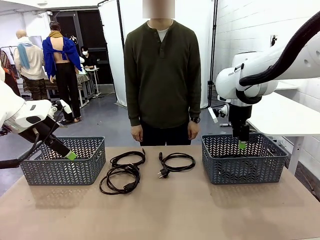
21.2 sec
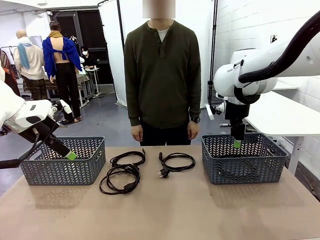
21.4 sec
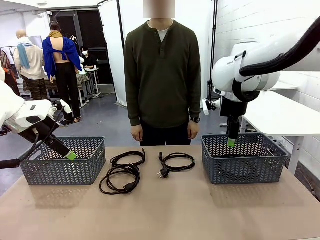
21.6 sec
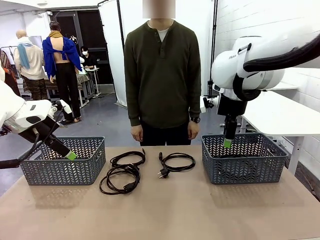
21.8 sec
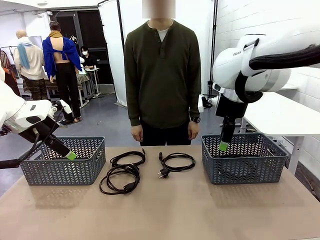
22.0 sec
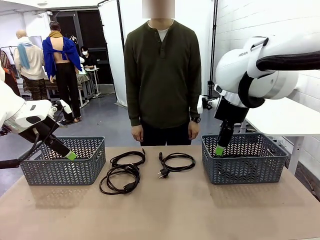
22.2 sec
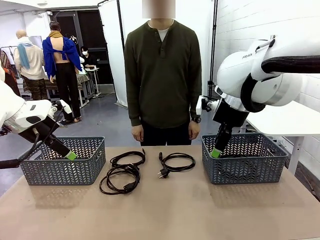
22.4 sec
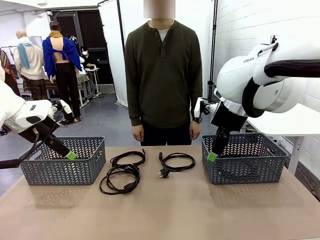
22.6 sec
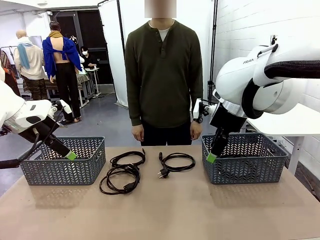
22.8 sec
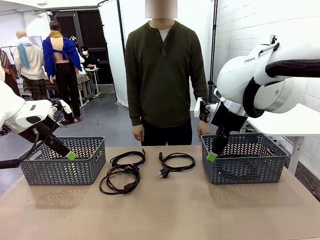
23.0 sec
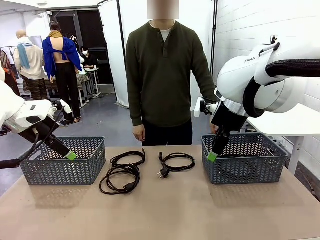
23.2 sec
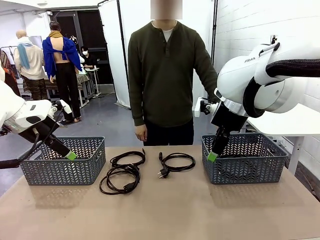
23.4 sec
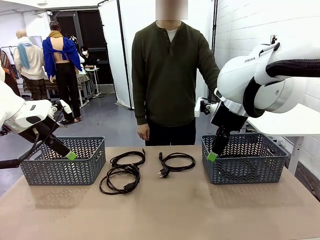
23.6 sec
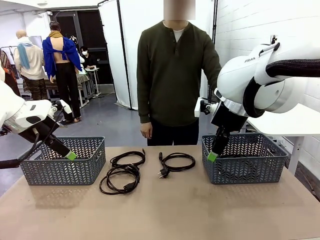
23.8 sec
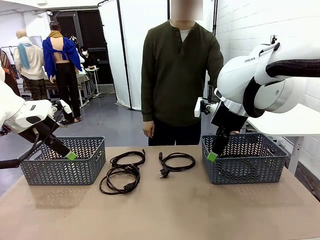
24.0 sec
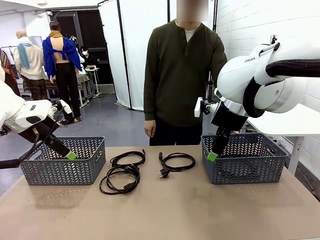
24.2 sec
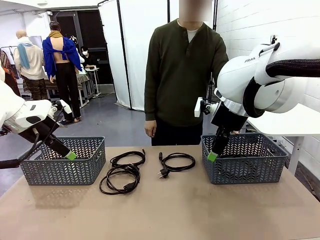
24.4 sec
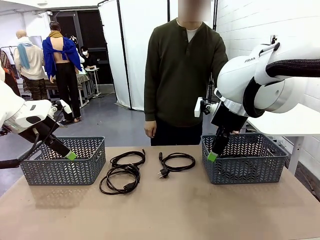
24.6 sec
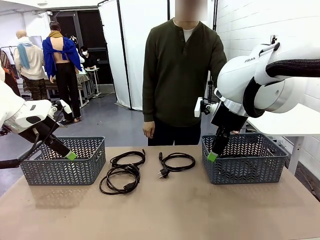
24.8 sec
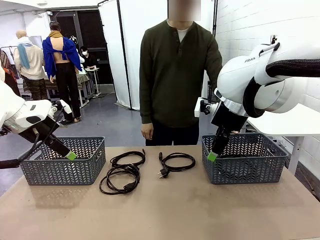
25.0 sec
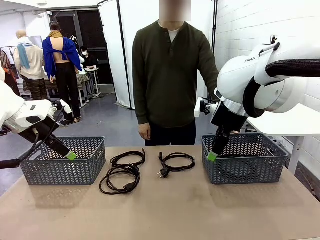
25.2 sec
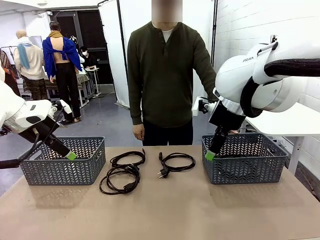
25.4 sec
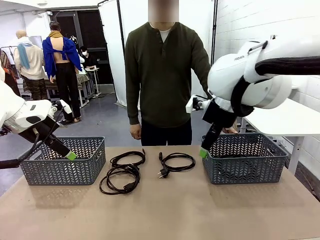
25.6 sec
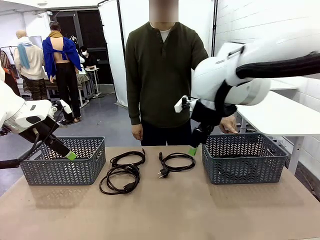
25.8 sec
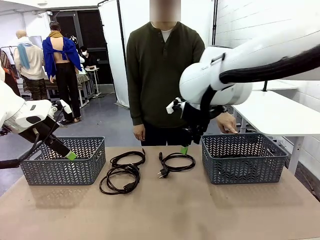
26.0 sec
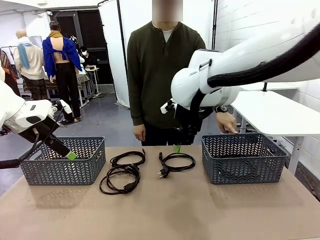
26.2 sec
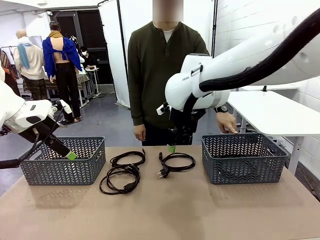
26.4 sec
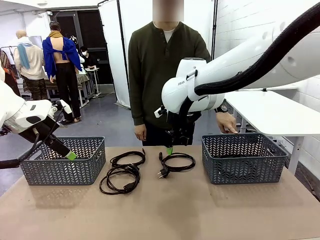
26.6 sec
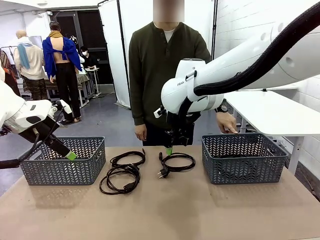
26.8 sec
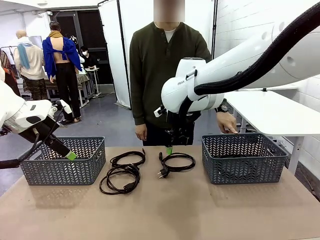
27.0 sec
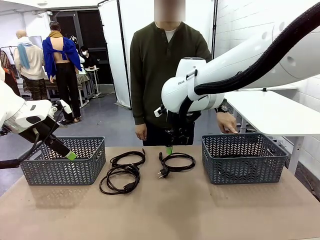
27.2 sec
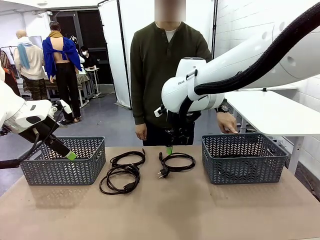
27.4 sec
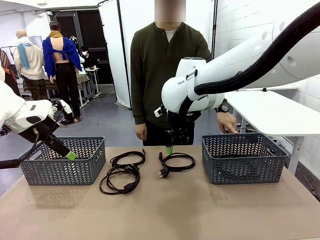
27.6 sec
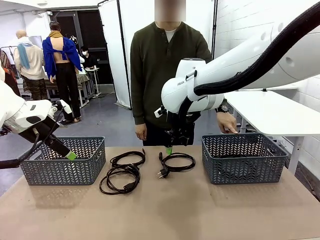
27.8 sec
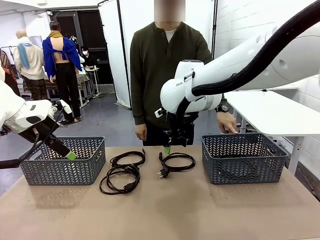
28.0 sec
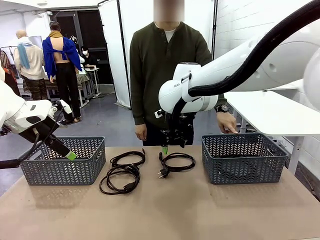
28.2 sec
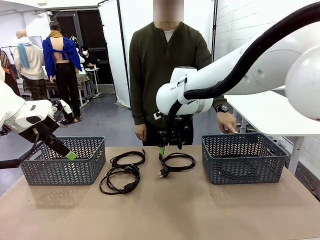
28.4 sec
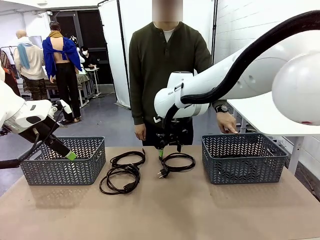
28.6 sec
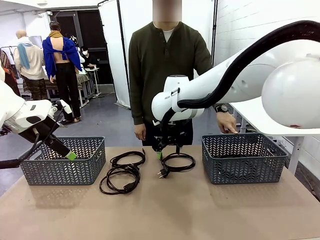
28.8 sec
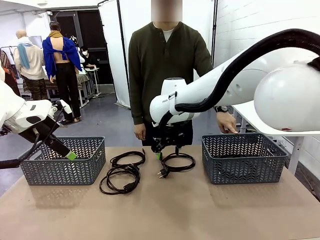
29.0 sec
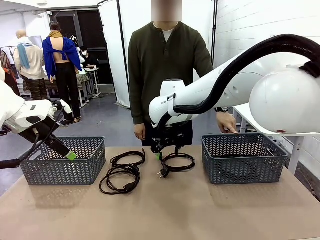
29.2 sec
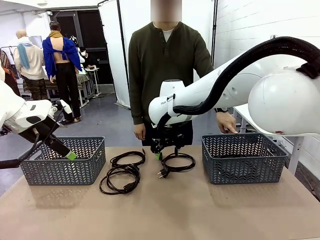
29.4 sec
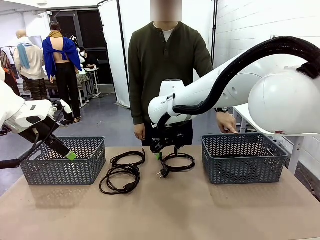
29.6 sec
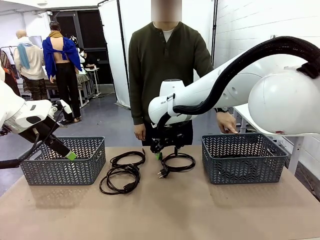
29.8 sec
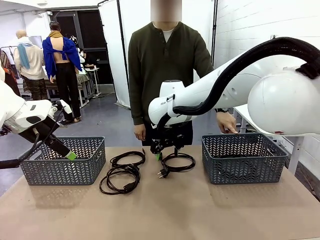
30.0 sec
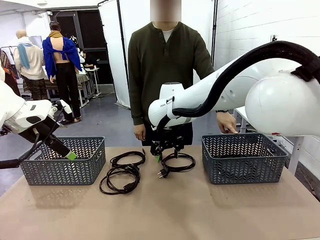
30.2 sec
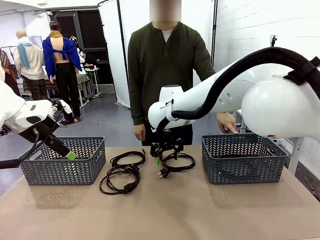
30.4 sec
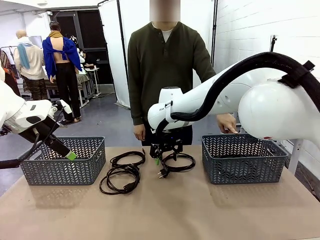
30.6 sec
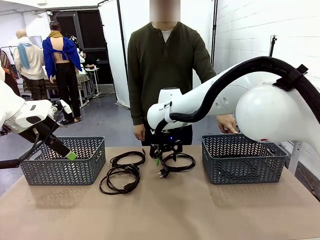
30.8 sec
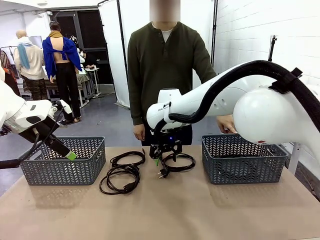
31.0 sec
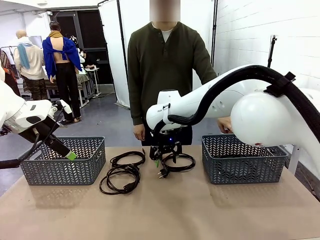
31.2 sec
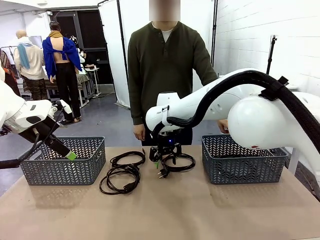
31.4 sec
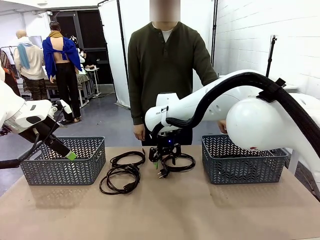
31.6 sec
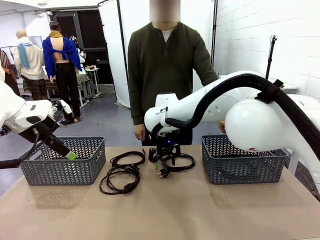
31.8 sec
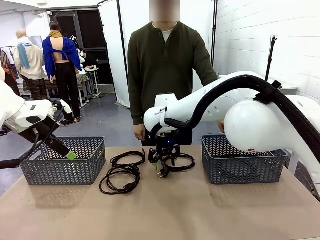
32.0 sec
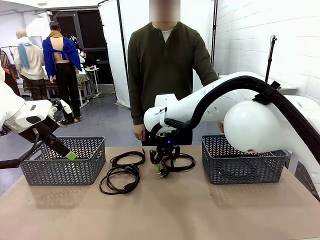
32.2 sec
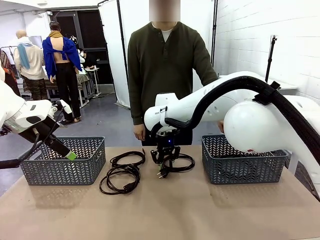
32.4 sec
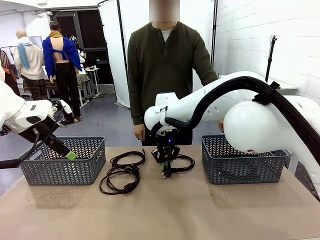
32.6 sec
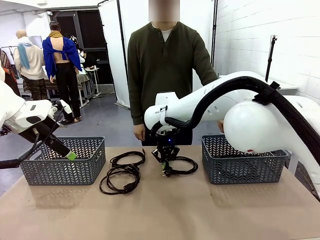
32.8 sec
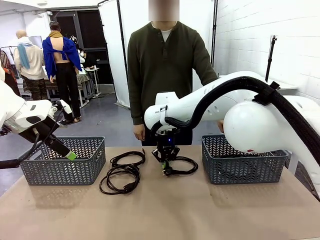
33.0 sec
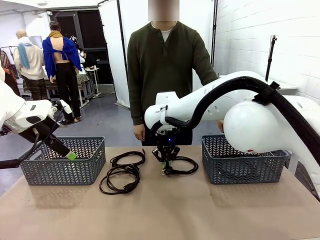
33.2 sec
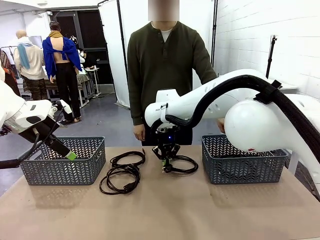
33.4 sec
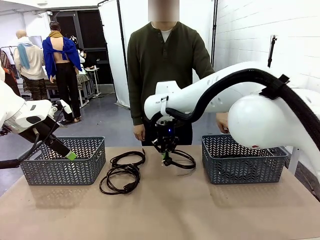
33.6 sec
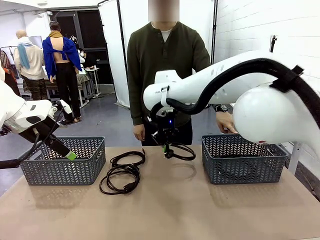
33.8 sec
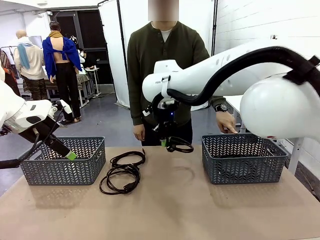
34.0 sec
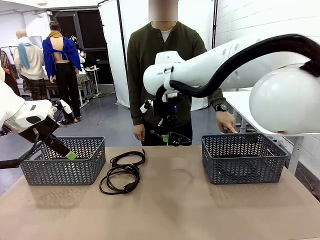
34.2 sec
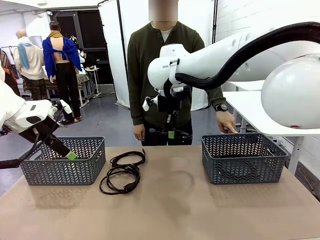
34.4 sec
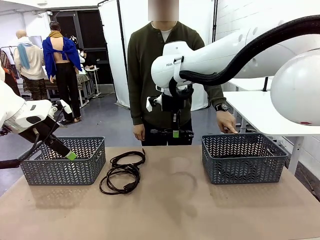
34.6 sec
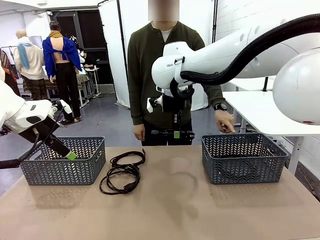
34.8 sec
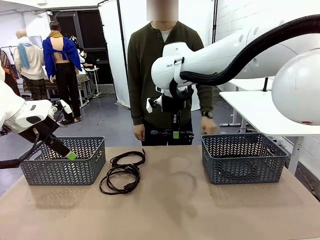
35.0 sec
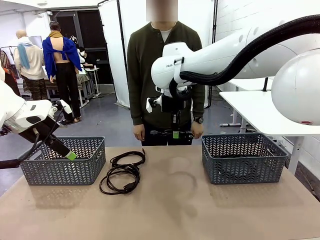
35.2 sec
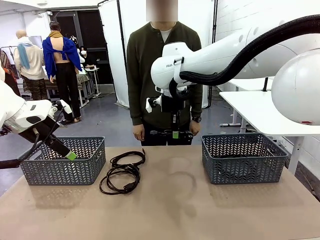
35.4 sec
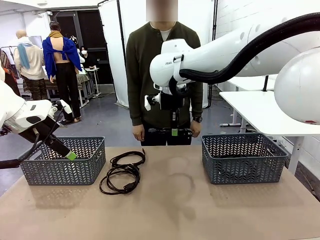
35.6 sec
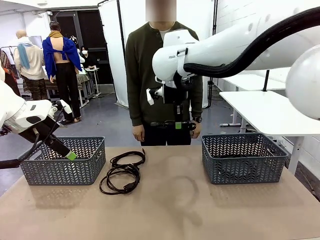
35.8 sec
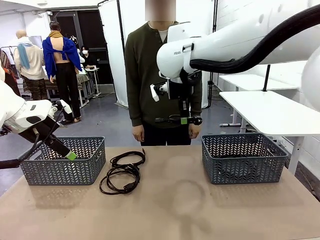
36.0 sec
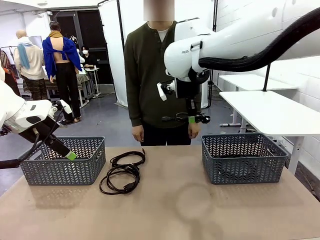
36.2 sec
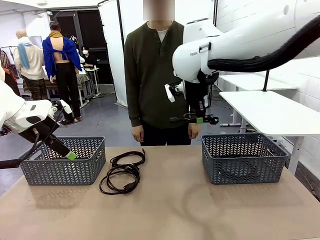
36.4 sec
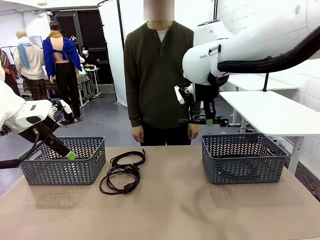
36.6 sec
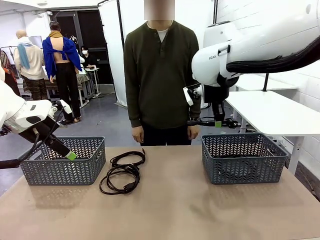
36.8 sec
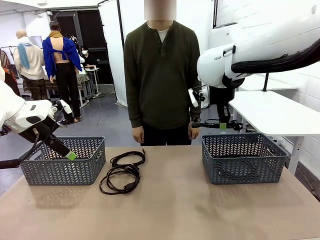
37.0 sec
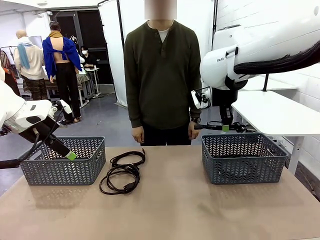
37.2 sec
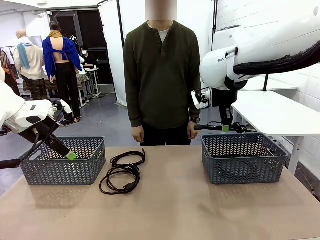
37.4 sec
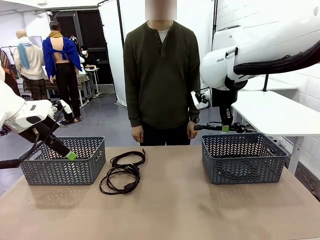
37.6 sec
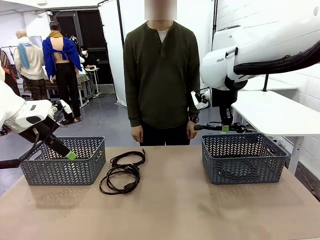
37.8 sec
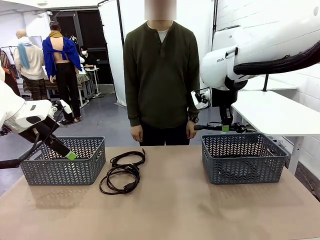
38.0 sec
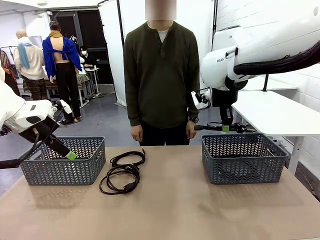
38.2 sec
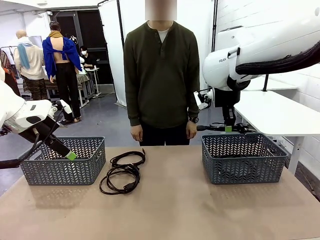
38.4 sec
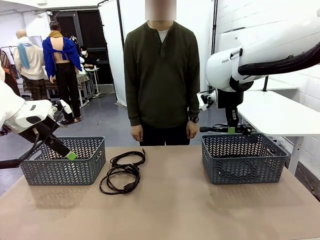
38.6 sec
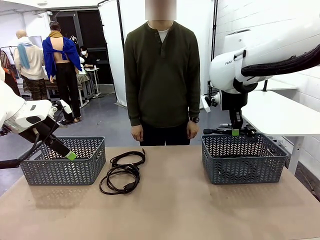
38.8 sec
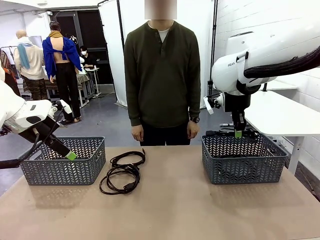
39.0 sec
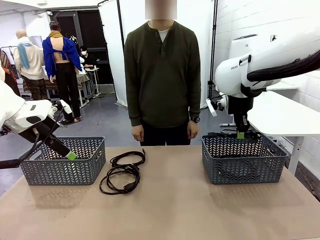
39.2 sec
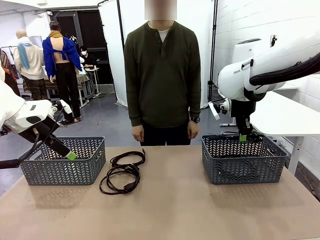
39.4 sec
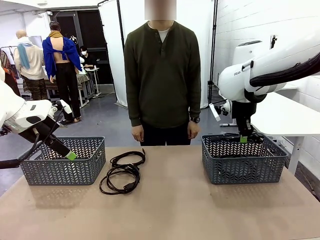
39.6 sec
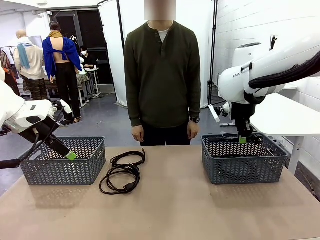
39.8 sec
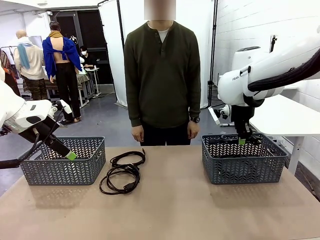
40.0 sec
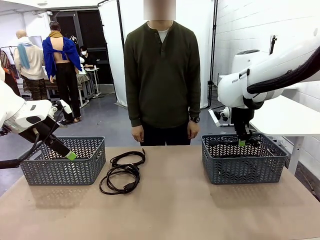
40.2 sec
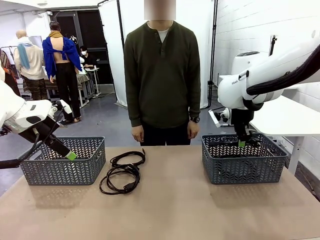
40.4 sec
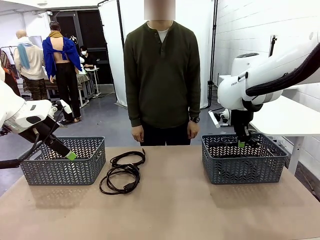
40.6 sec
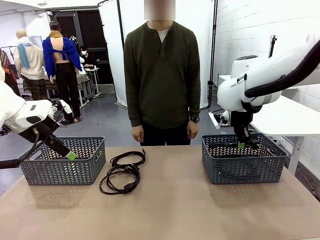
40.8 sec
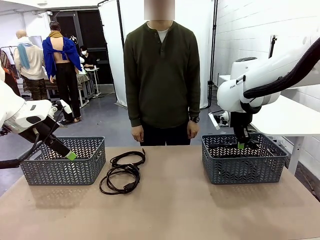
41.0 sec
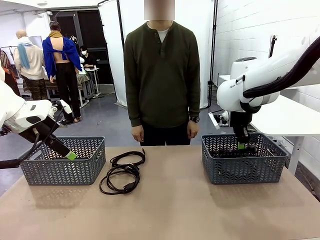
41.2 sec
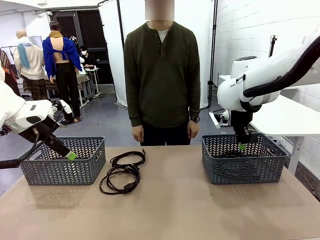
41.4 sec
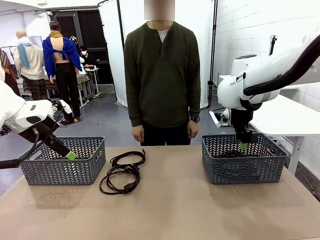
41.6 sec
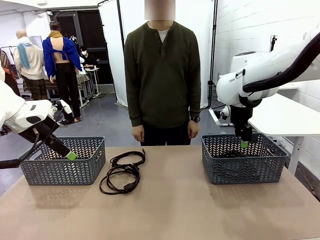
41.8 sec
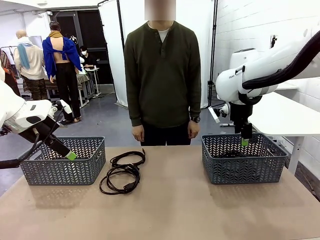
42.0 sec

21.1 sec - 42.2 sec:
Task: Organize the cables according to human instructions.
Robot: Pick up a bundle of cables and place it in the basket indicated by the human.
